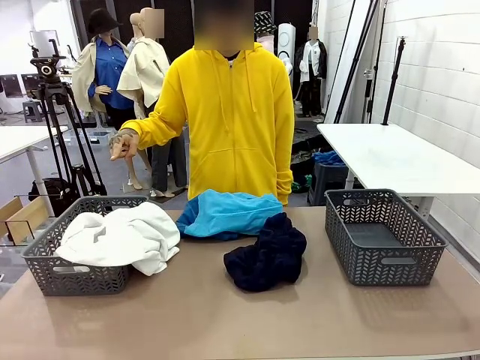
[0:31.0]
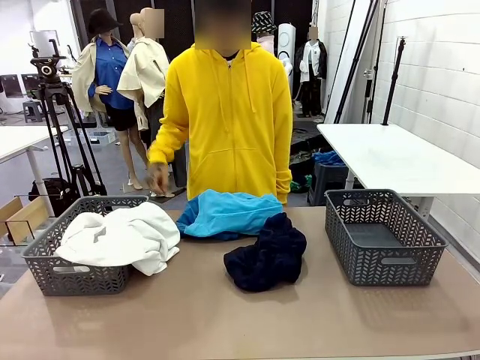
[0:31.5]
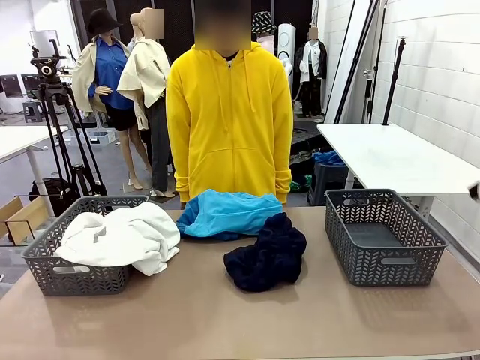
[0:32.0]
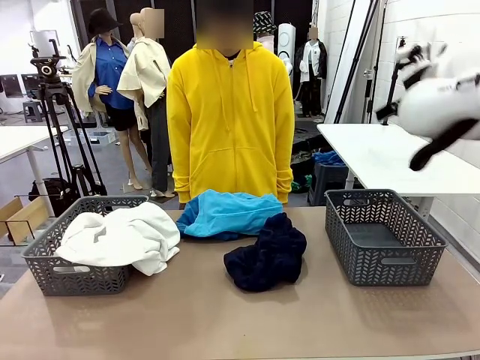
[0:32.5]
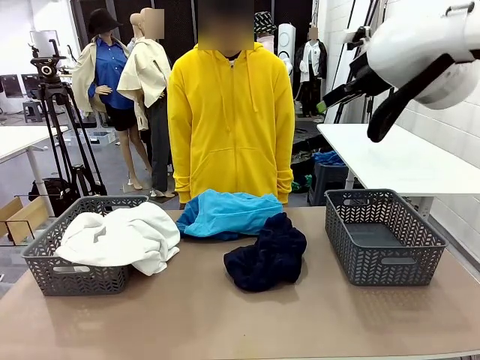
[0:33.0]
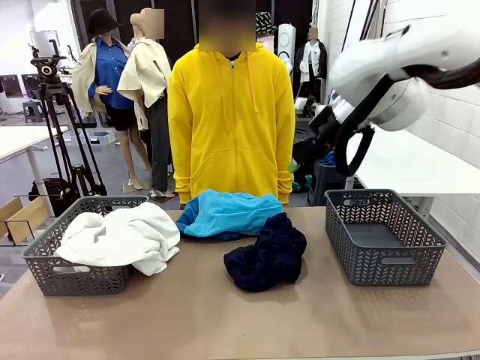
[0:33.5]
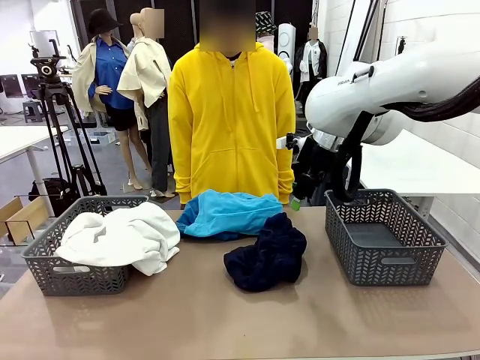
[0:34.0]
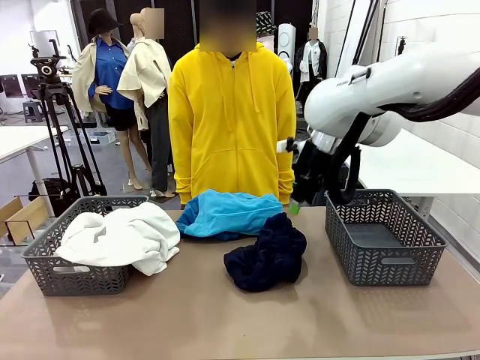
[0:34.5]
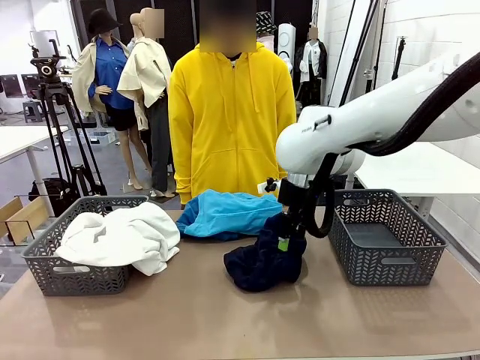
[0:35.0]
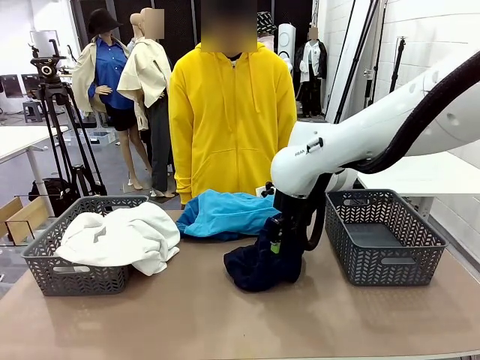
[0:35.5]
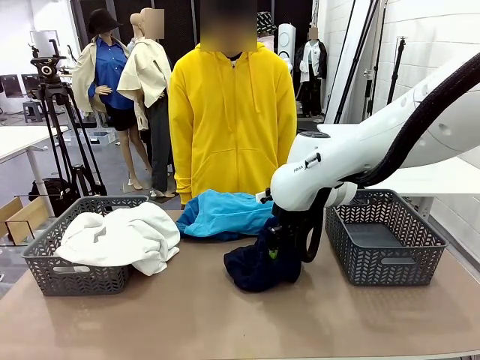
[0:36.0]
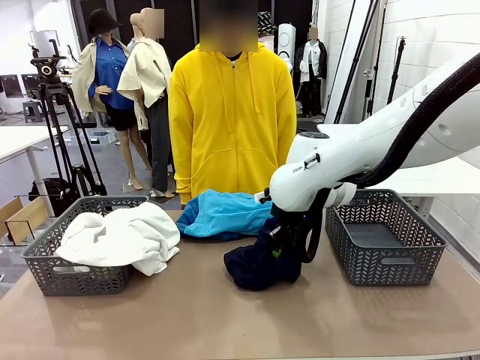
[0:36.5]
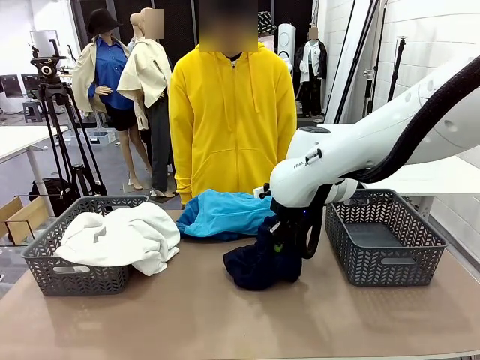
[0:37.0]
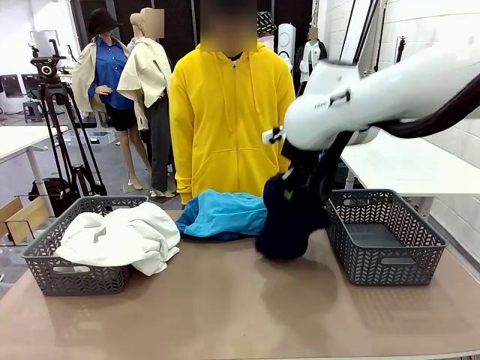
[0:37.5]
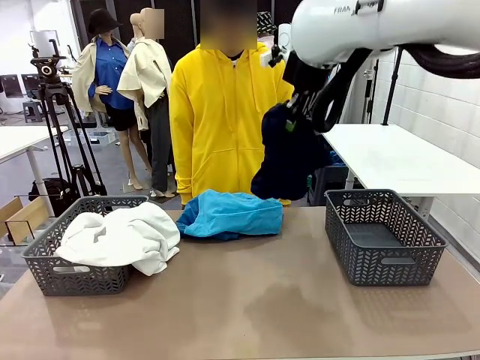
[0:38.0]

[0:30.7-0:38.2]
Task: Sort the tops and bottoms.
Robot: Lift clothes from the center of the table with your right hand.

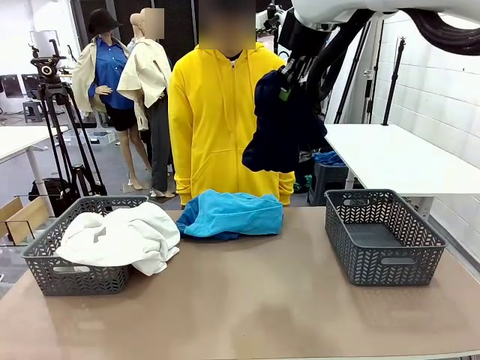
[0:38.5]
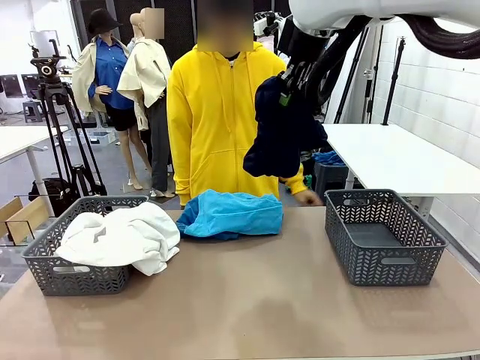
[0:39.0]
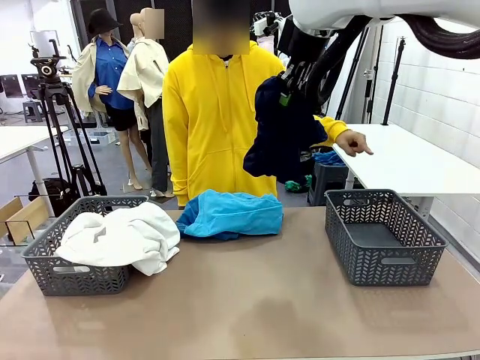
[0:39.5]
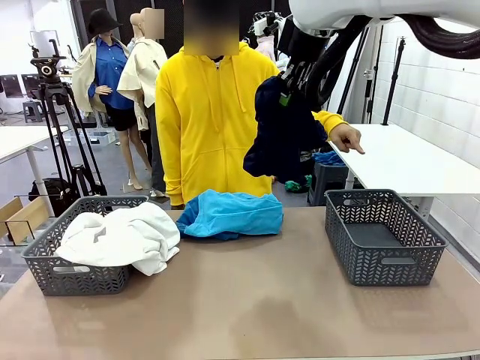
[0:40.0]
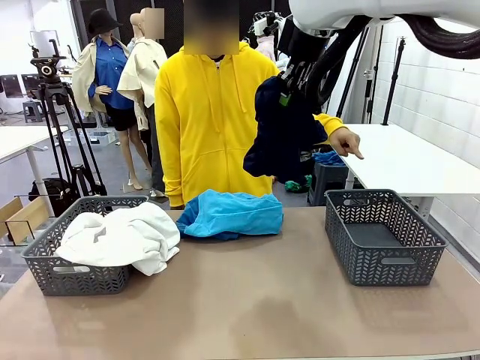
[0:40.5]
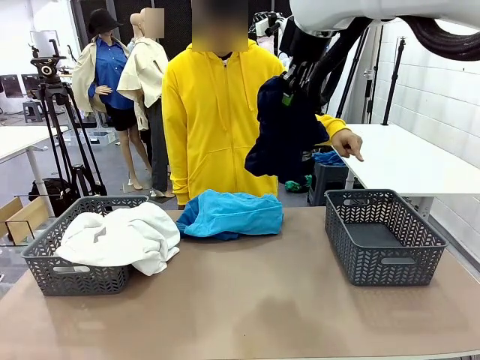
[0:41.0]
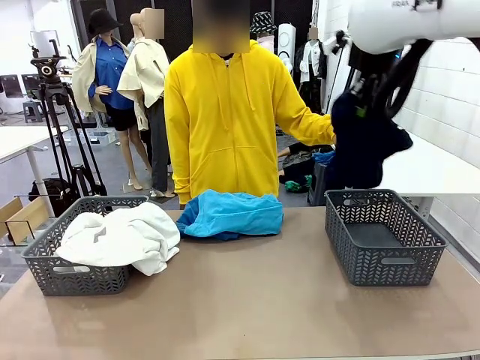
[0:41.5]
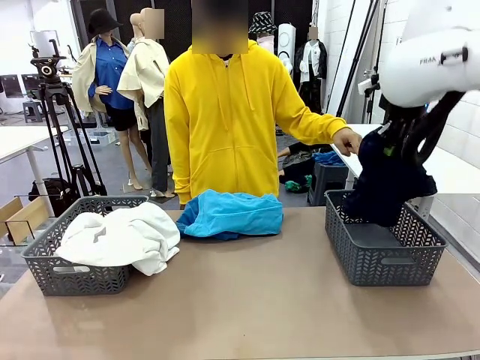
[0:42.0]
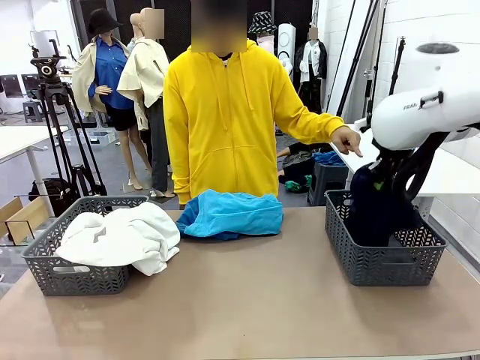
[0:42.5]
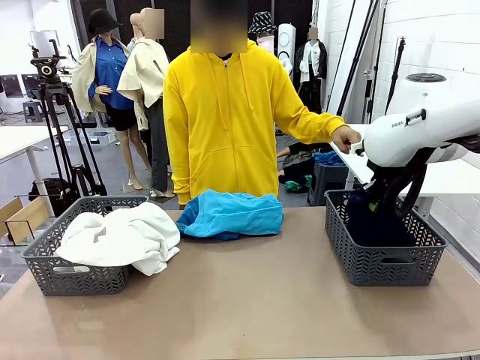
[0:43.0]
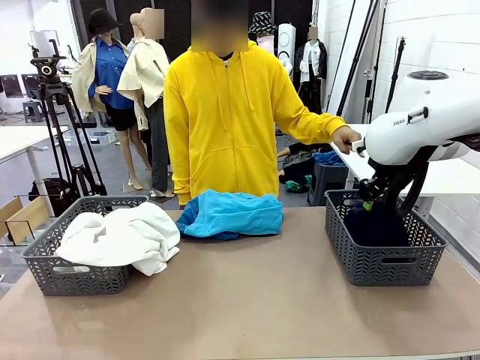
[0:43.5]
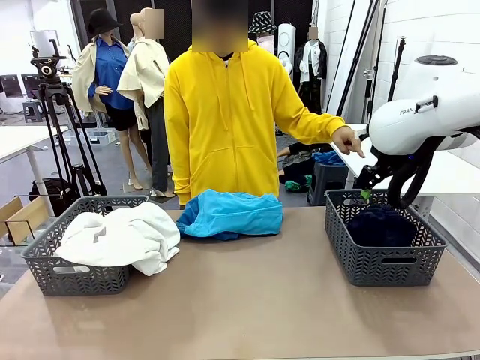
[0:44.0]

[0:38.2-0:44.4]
Robot: Sort the clothes according to human instructions.

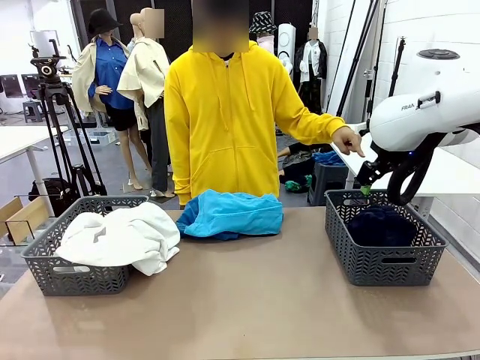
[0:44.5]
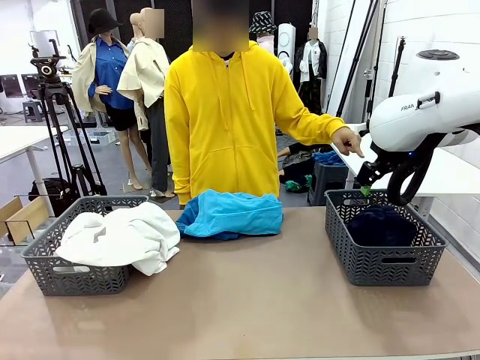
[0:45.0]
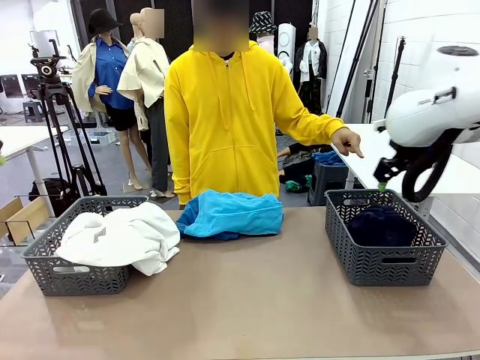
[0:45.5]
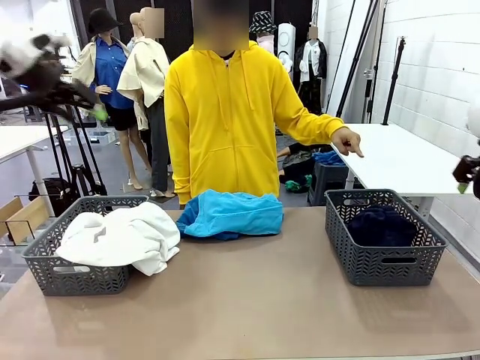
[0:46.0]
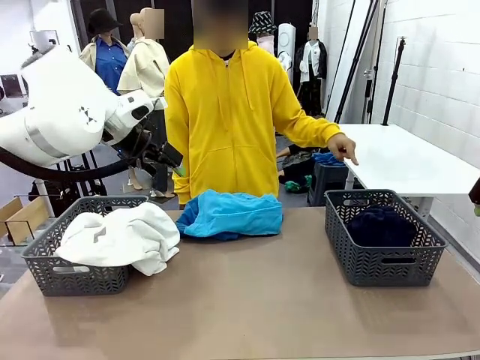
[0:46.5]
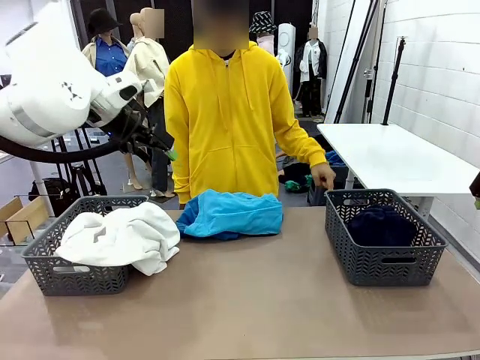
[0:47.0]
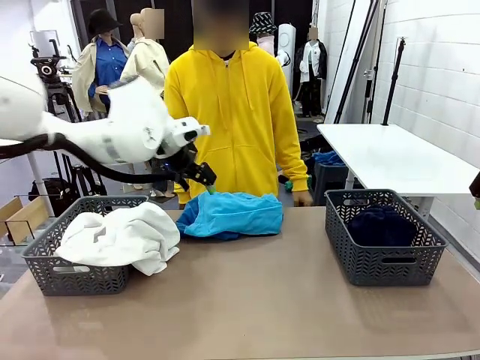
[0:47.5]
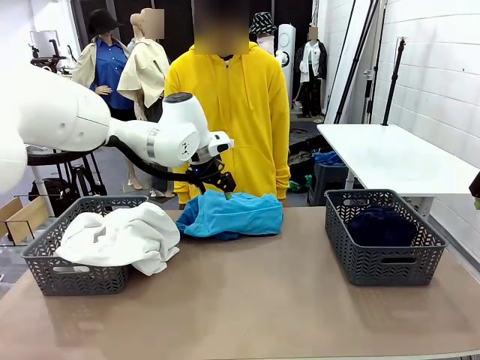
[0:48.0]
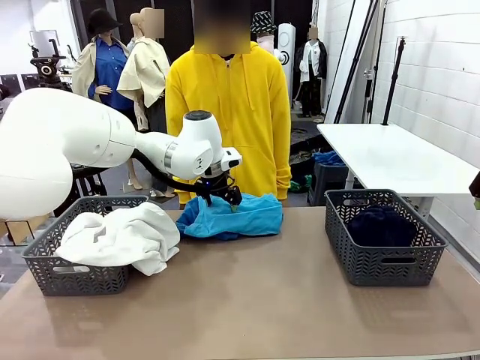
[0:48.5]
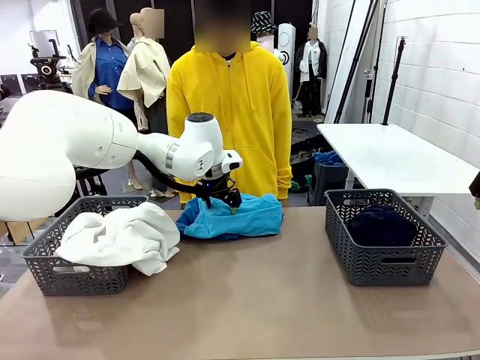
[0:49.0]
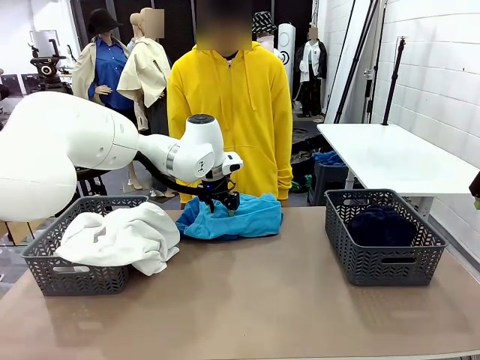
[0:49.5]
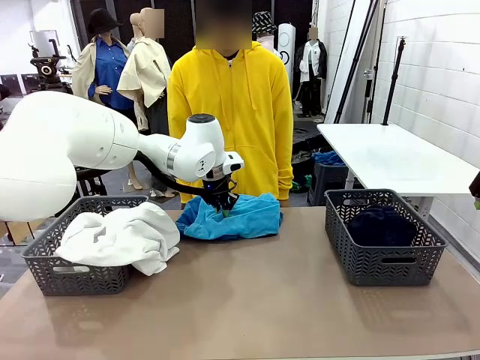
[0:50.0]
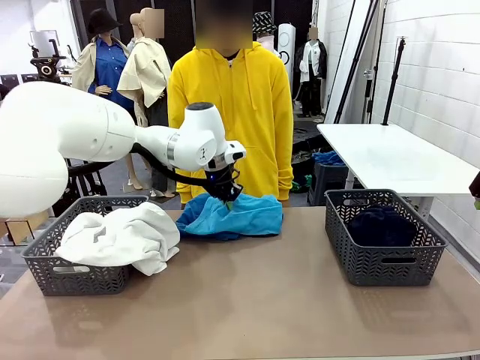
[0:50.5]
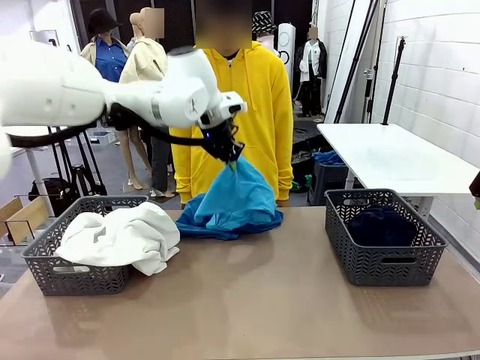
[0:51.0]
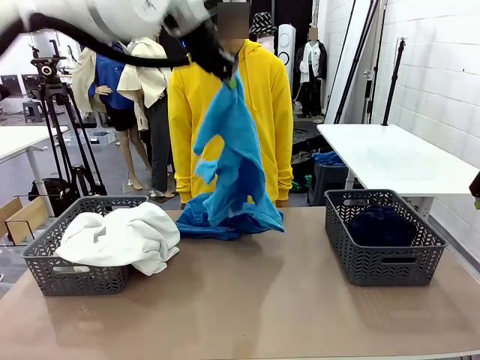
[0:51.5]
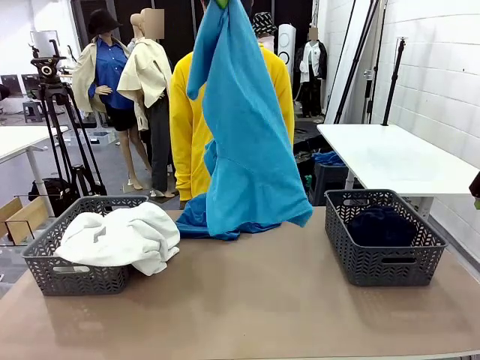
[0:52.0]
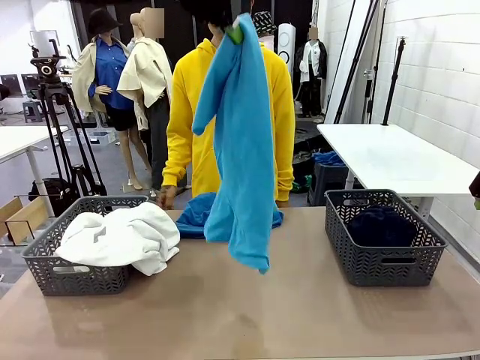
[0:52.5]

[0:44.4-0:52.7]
Robot: Lift clothes from the center of the table with your left hand.

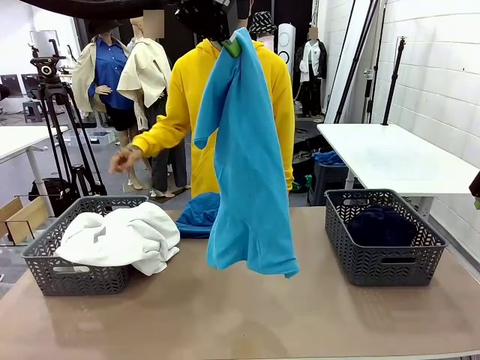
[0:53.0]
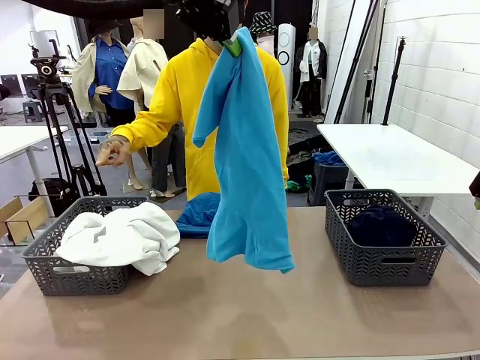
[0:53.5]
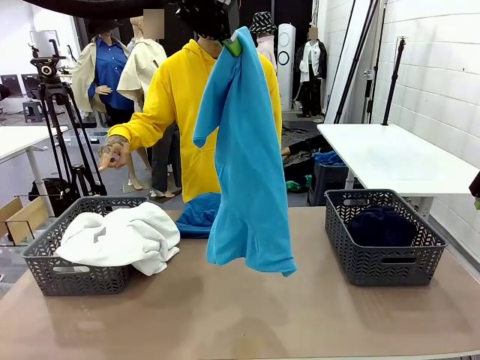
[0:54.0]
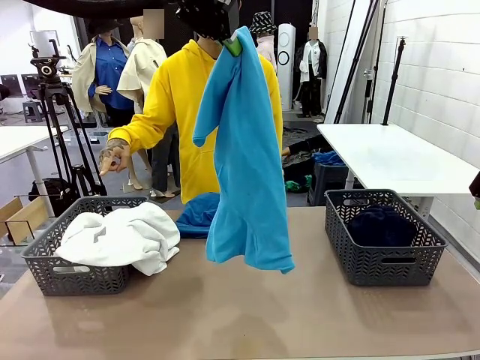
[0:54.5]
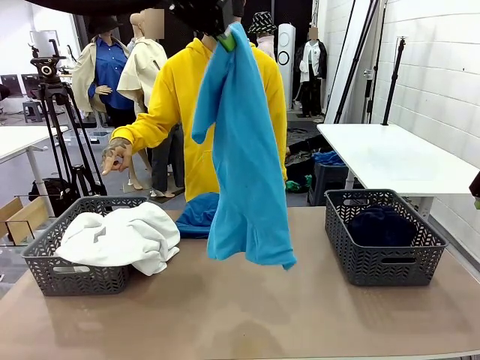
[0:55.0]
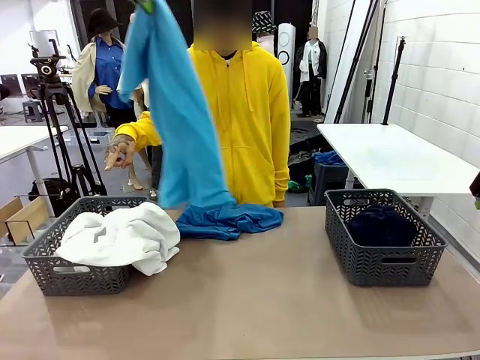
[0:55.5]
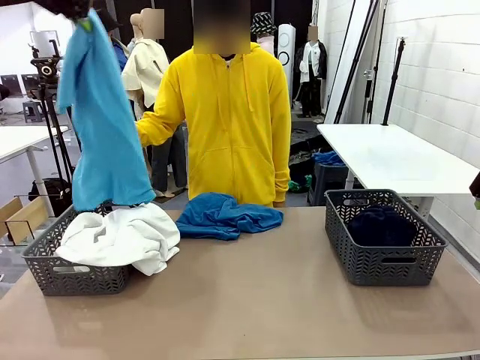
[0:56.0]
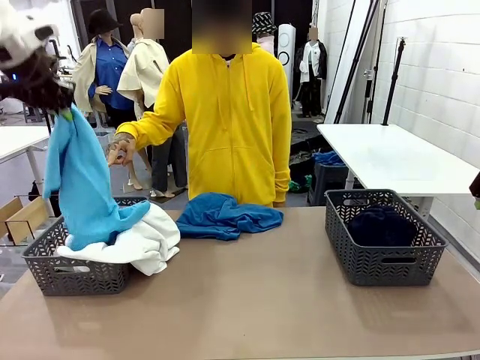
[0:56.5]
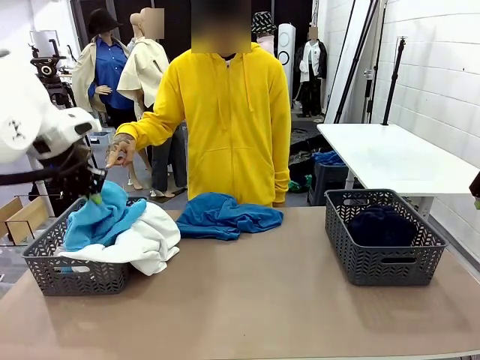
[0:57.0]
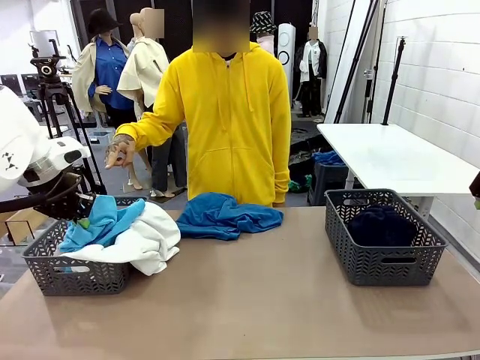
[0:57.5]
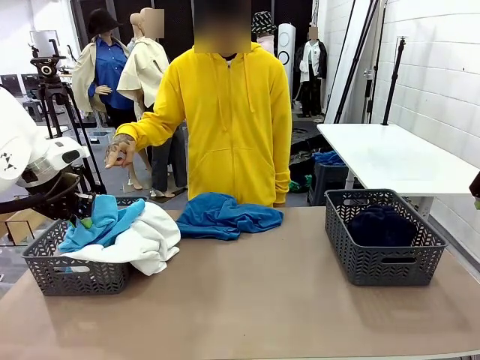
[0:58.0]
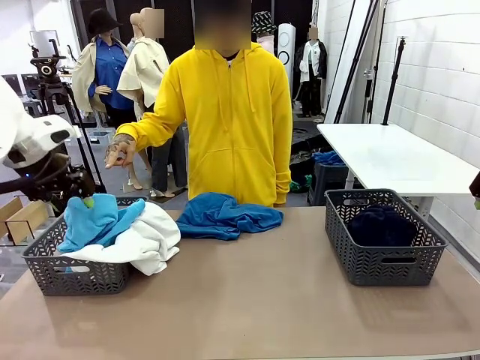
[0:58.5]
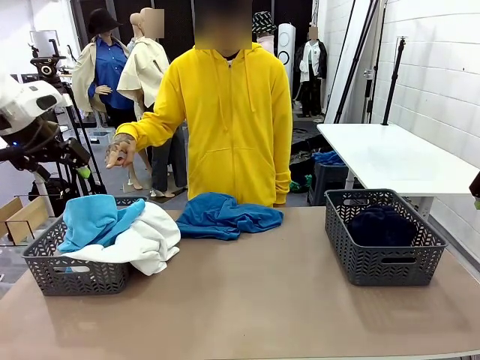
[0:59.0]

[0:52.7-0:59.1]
Robot: Sort the clothes according to human instructions.
